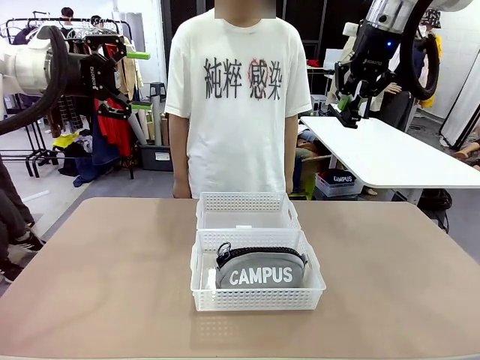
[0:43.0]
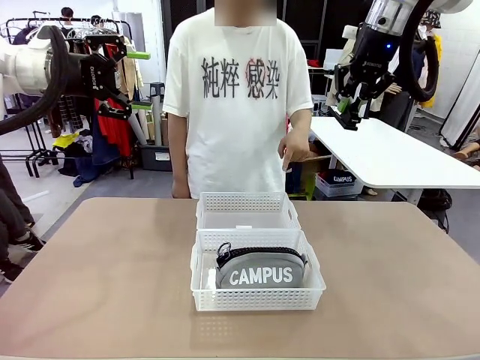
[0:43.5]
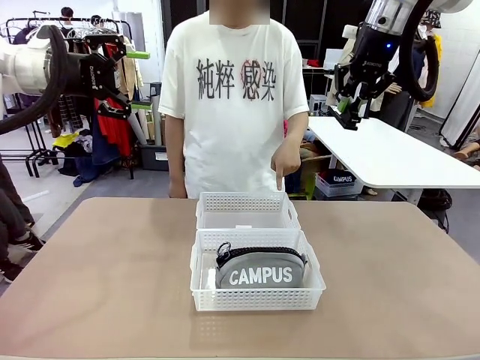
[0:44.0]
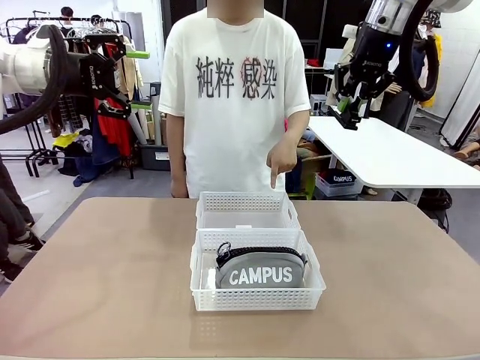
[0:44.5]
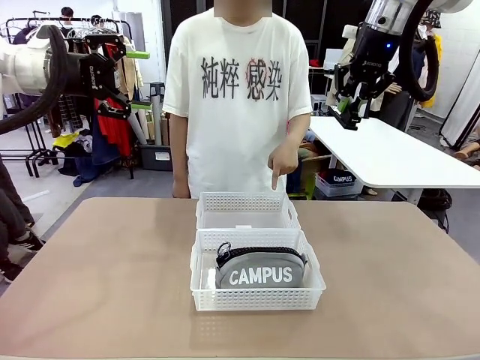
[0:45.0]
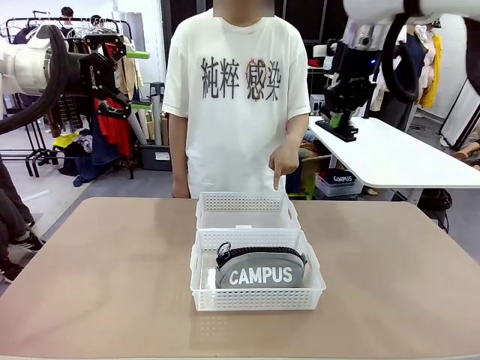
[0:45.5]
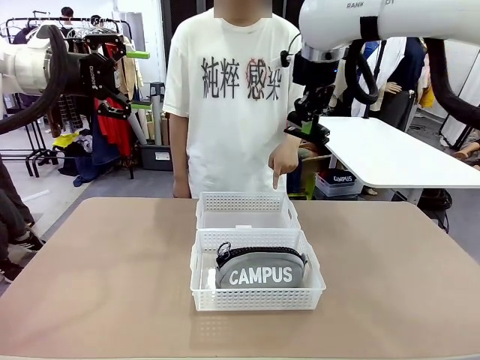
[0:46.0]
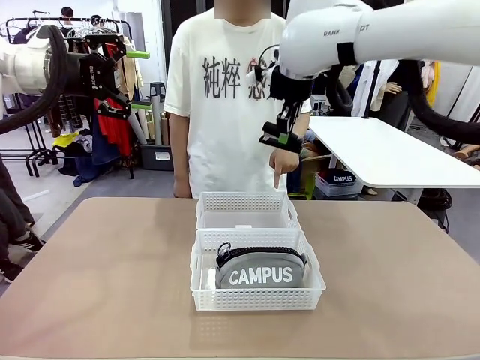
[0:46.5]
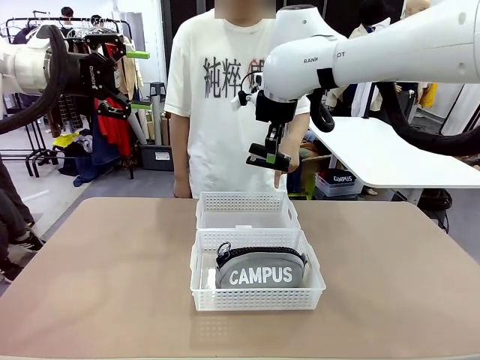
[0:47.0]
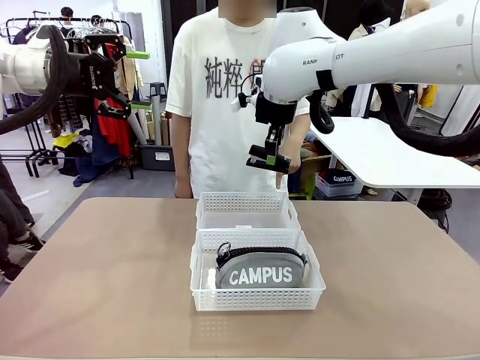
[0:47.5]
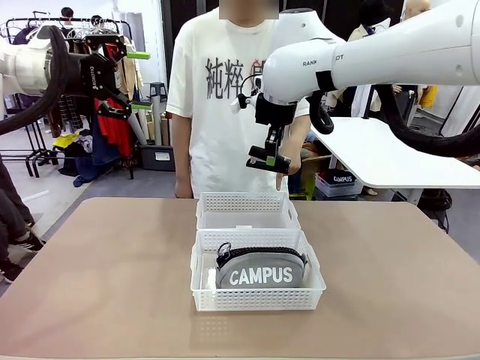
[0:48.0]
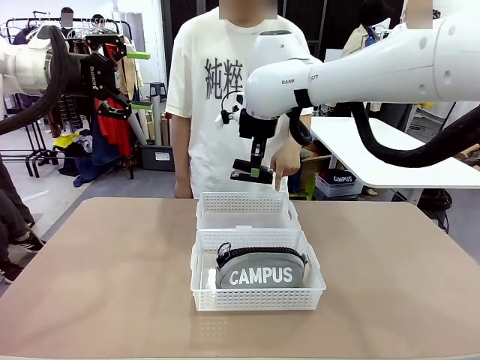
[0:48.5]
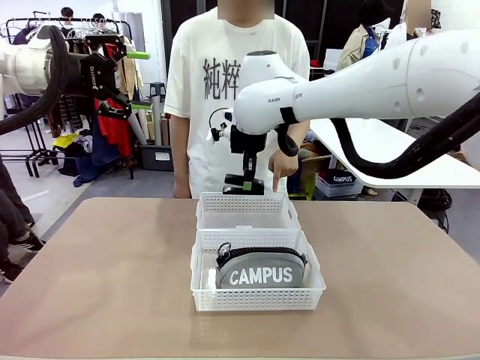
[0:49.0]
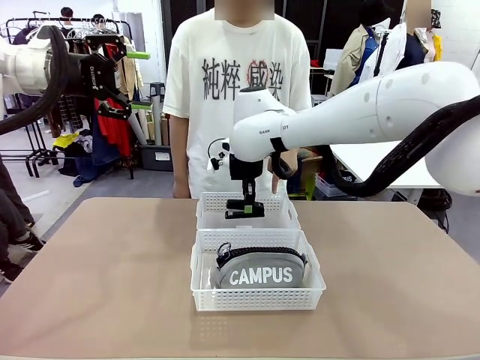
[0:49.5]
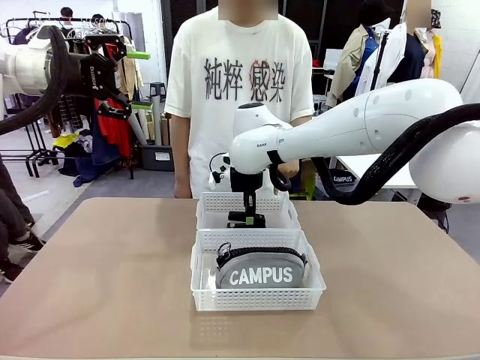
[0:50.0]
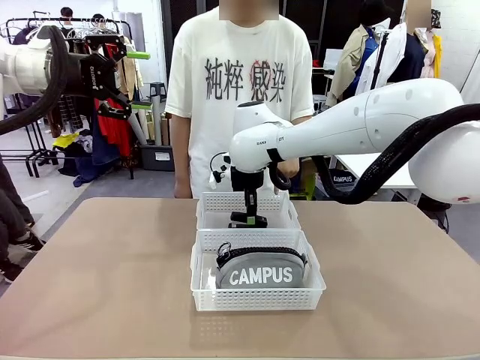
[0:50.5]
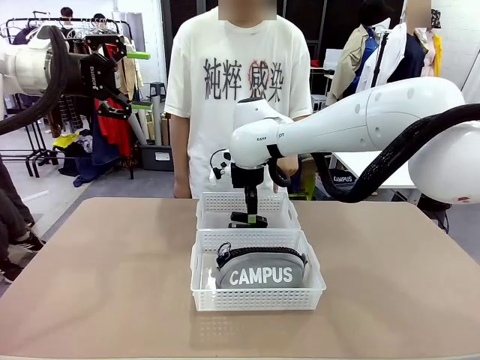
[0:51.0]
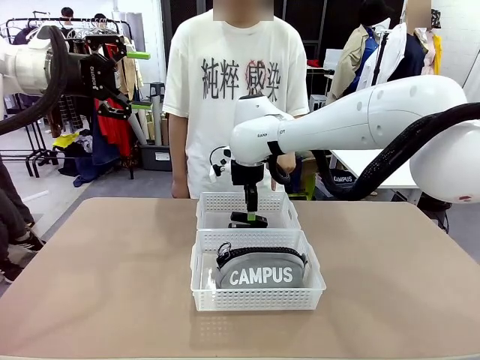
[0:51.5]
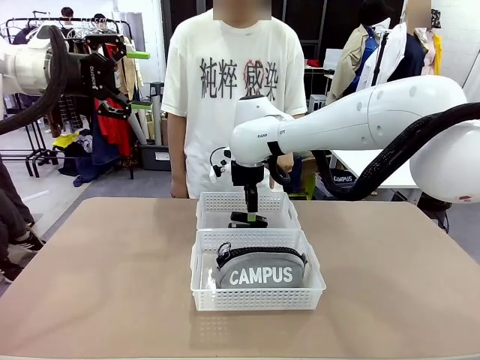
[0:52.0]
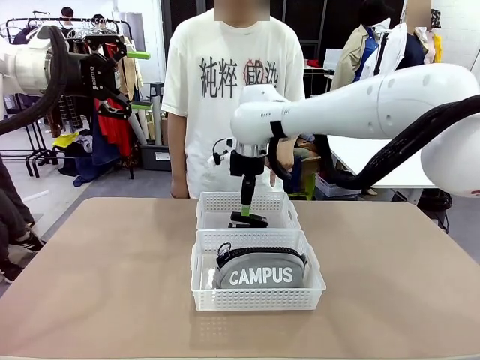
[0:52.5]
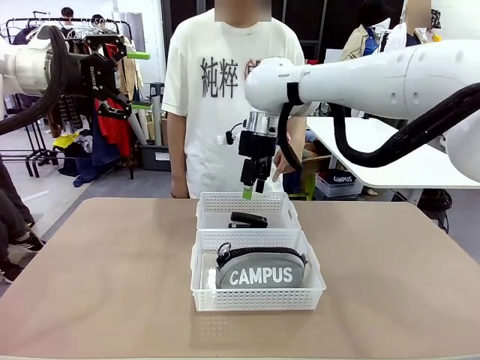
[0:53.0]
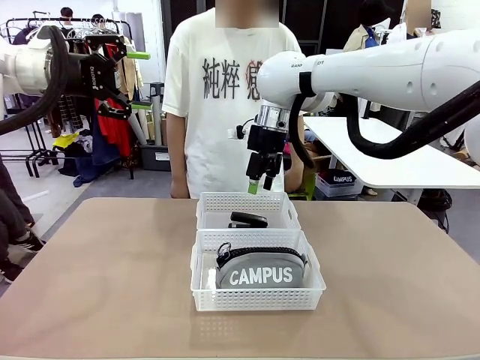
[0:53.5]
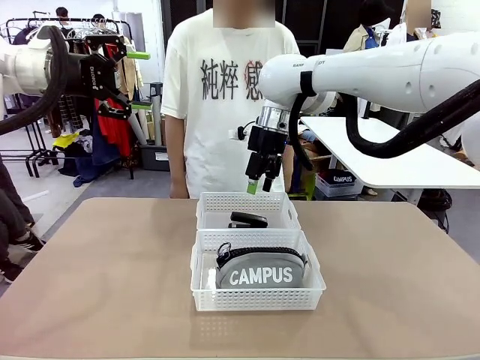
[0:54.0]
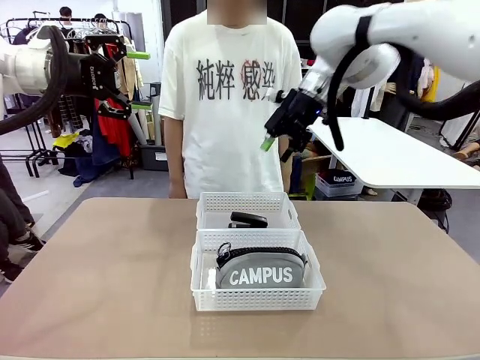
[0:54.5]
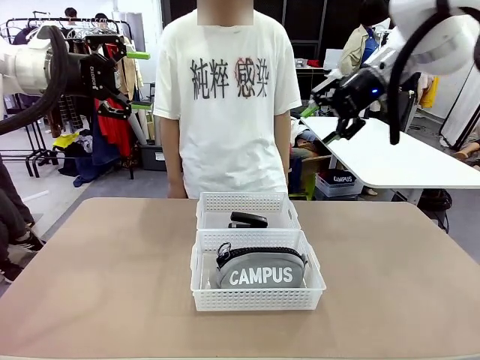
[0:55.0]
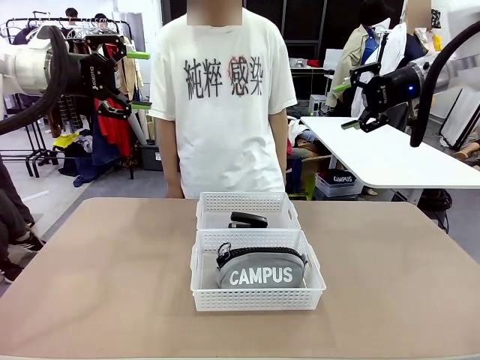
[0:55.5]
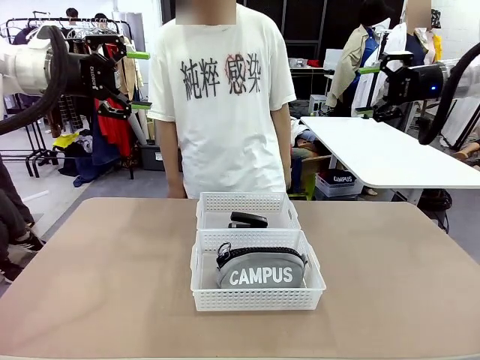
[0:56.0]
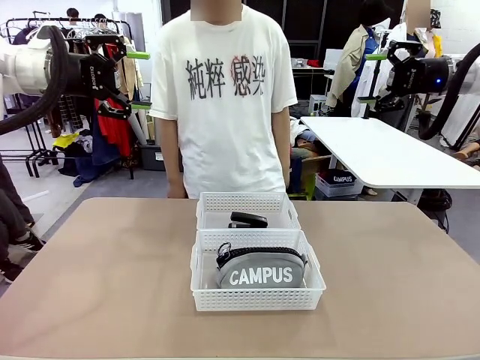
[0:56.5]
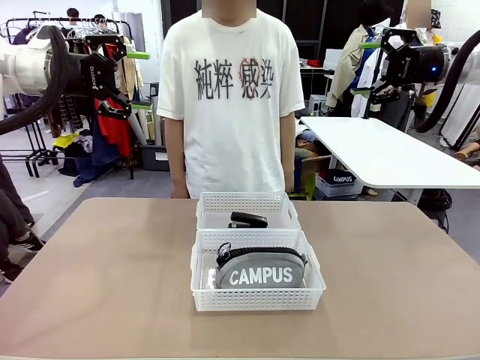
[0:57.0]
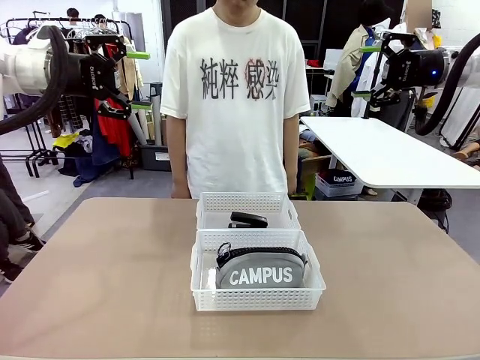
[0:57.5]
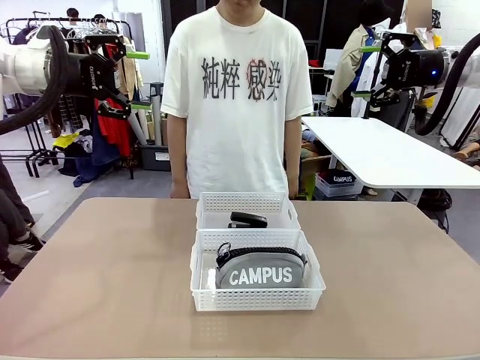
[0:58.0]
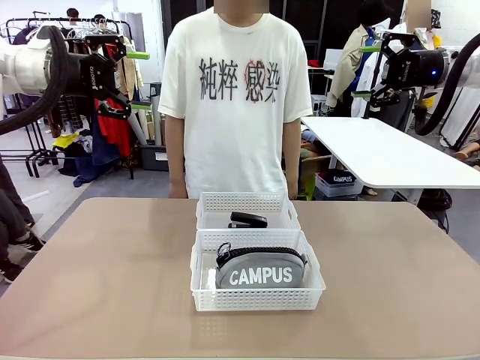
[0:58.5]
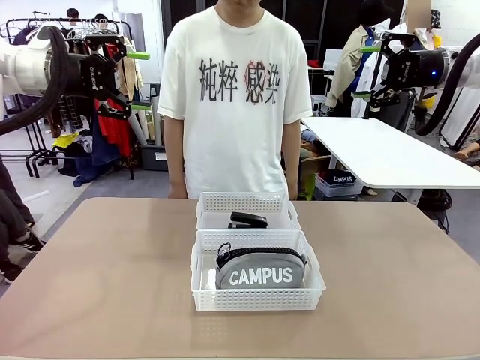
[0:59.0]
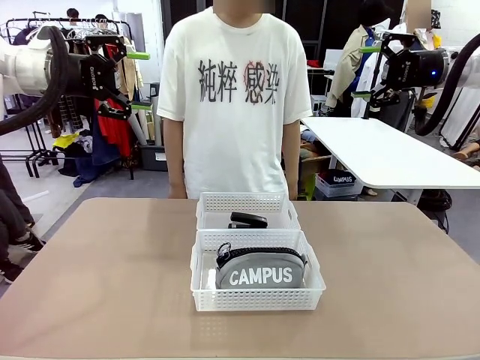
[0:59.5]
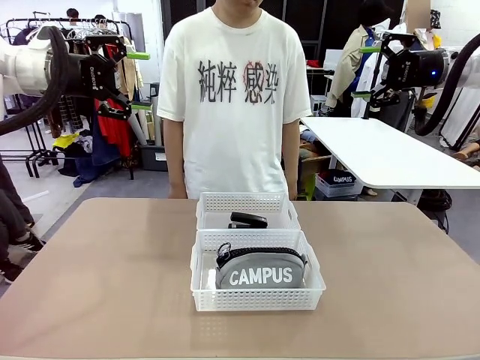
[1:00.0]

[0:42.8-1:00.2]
Task: Distribute items into two baskets.
Robot: Place the picked Stapler into the Organizing basket as instructed by the person.
Person: Points to the basket that does not contain the pencil case and instructs the robot to move the stapler there.

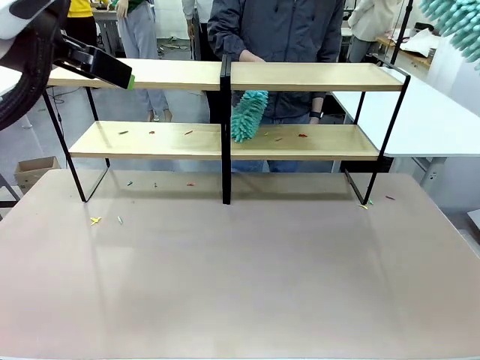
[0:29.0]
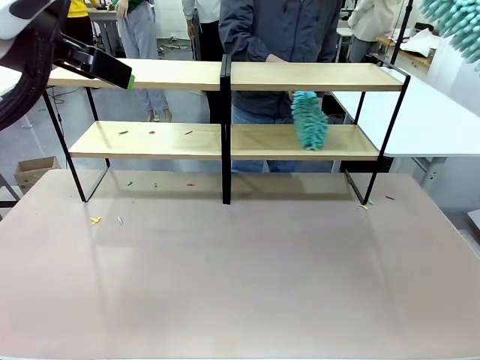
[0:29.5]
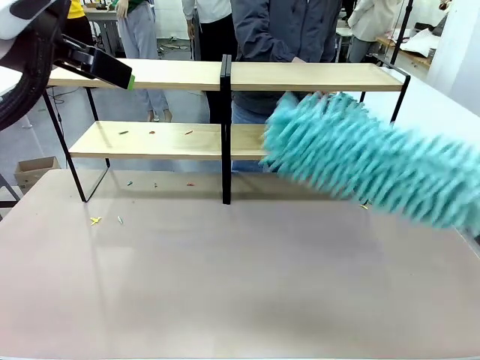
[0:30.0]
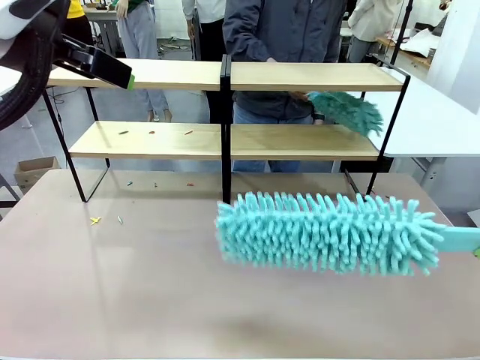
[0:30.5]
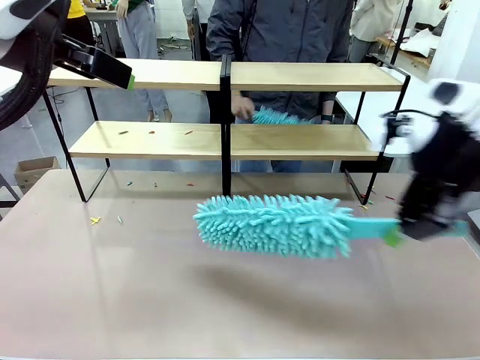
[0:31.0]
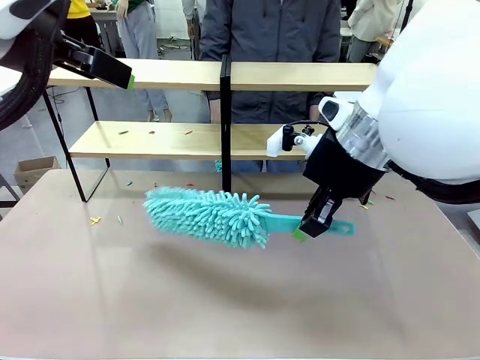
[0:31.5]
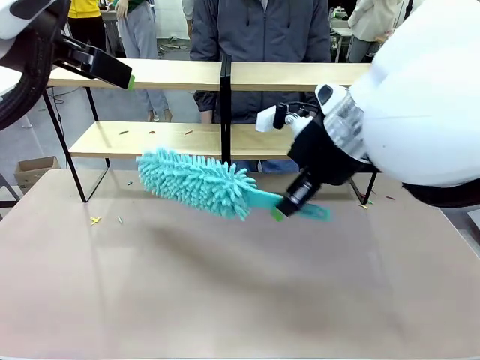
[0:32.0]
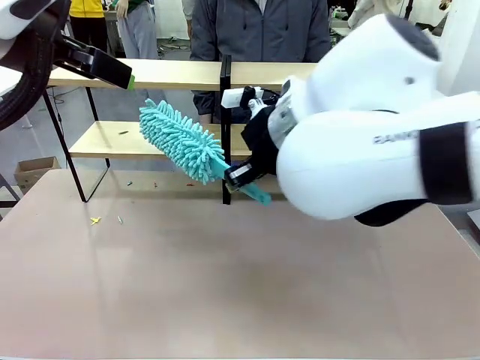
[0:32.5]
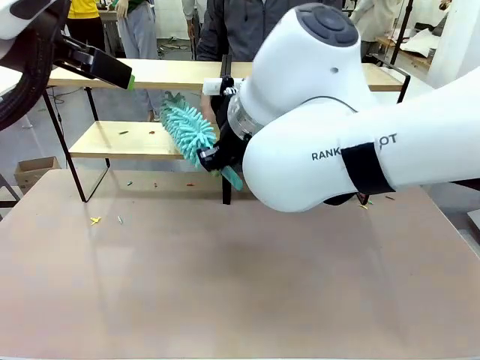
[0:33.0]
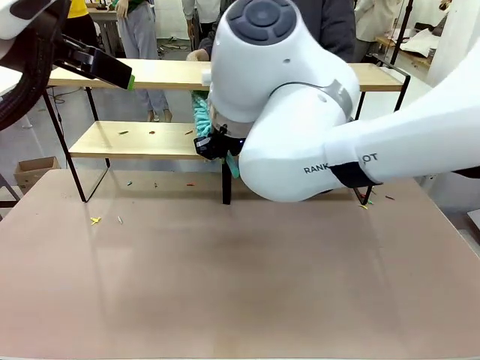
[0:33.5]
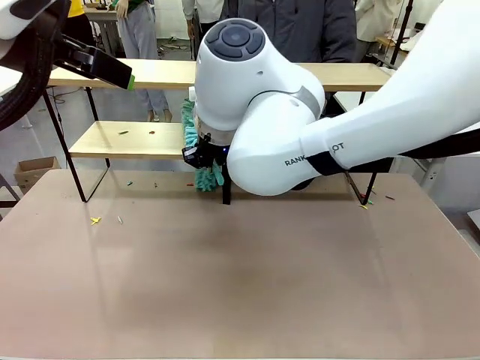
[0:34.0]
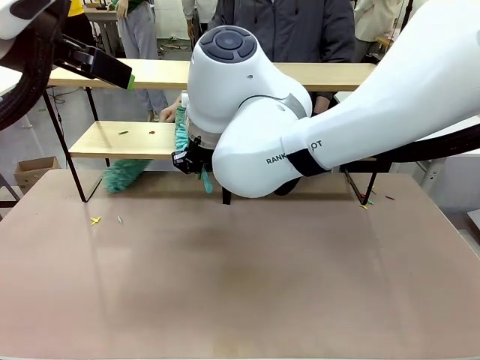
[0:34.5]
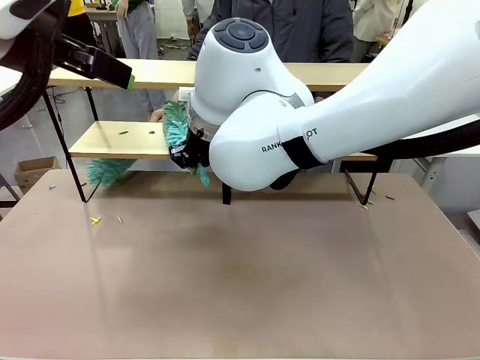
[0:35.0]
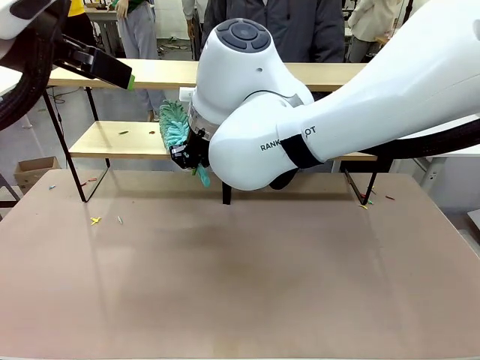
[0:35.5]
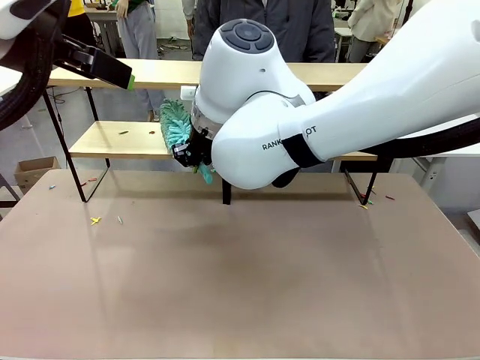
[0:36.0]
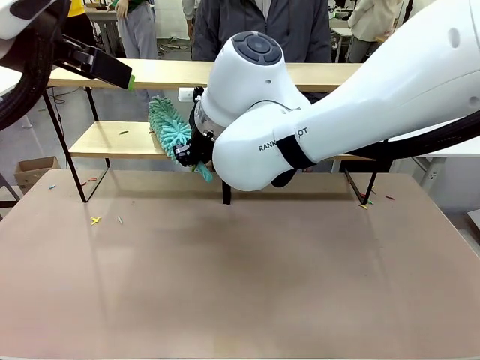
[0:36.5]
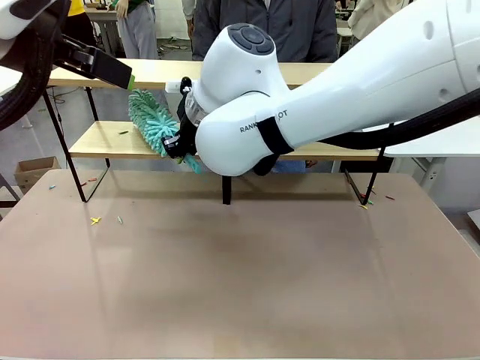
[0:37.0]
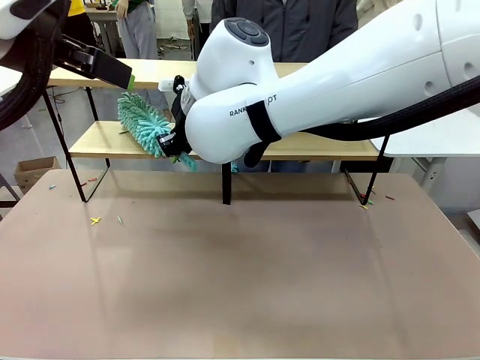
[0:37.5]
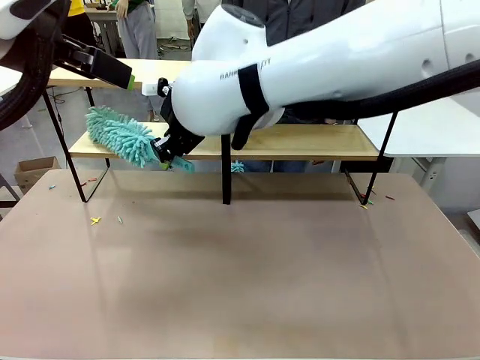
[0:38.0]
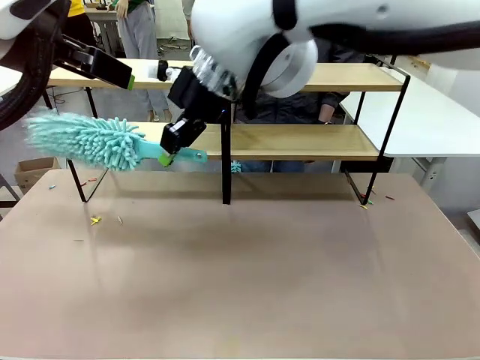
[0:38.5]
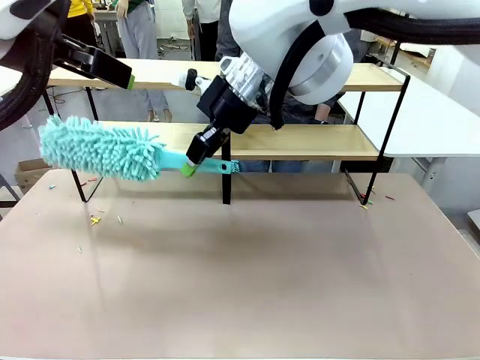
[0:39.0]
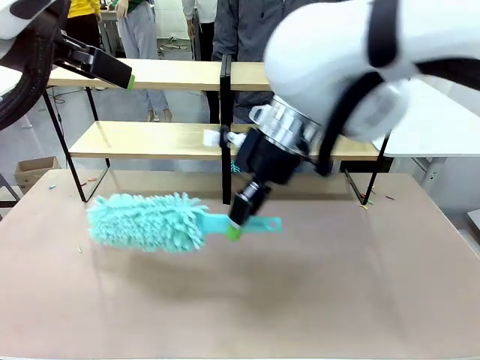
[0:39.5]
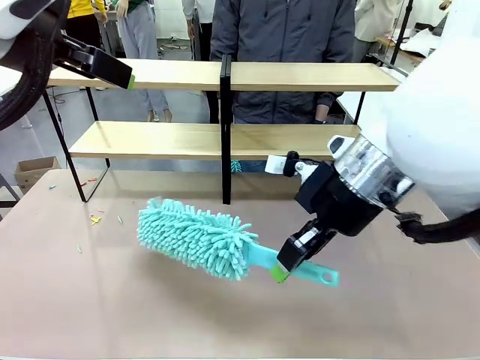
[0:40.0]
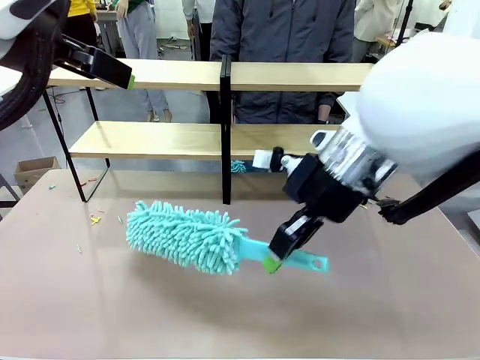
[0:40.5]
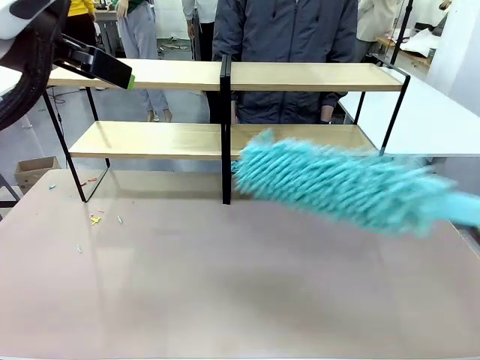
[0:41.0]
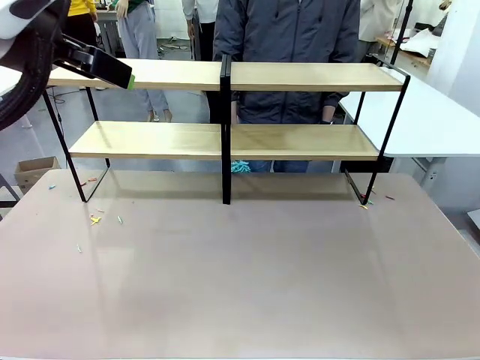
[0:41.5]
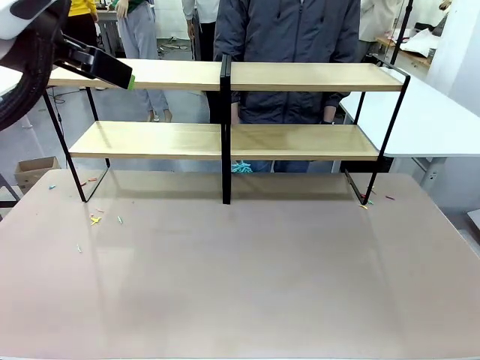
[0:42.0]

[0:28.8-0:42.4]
Task: Clean the shelves.
Robot: Clean another randomly selected level of the Shelf with the Duster.
